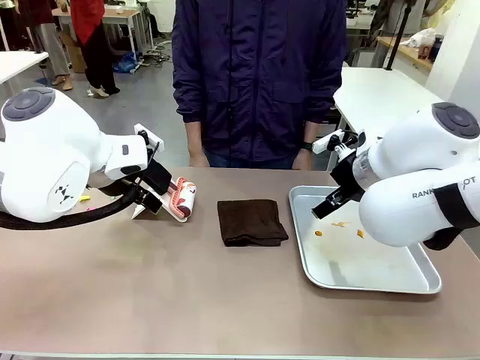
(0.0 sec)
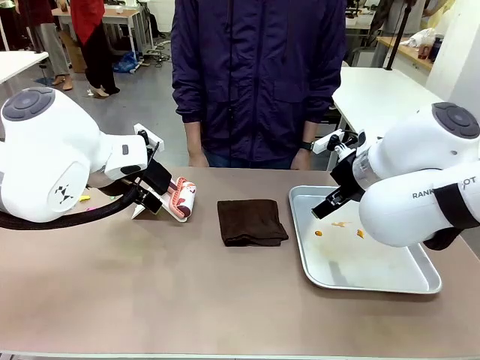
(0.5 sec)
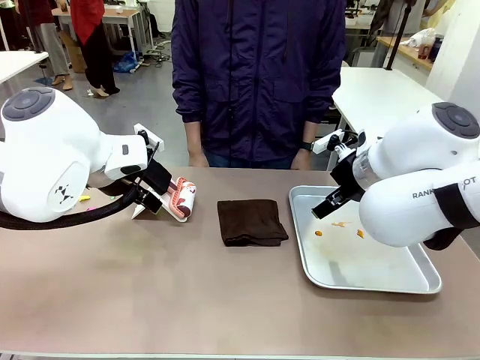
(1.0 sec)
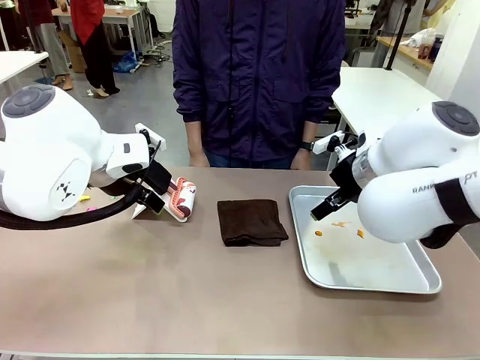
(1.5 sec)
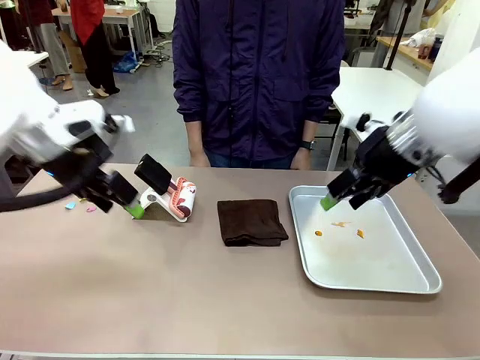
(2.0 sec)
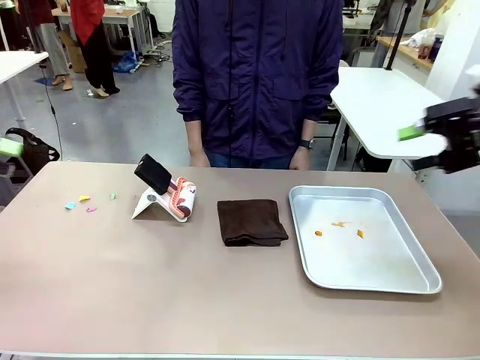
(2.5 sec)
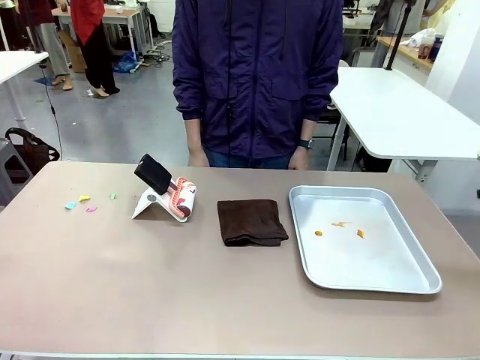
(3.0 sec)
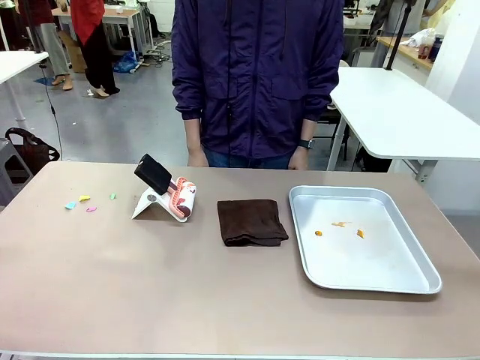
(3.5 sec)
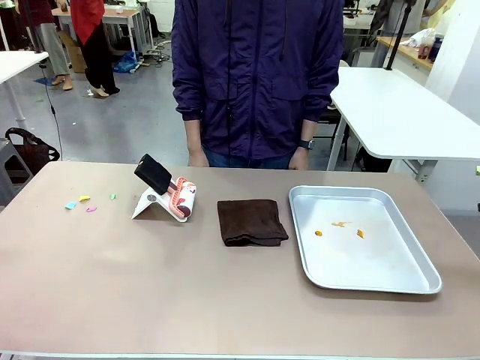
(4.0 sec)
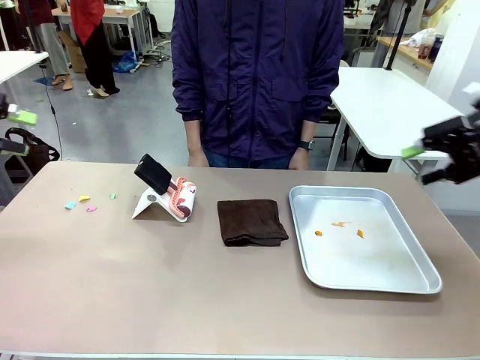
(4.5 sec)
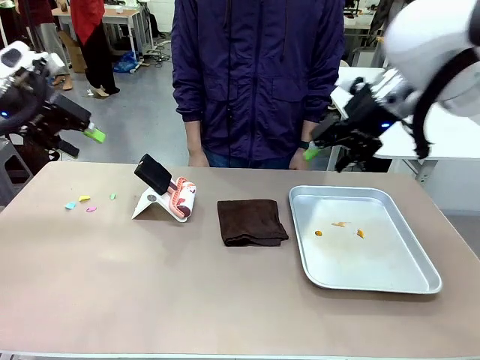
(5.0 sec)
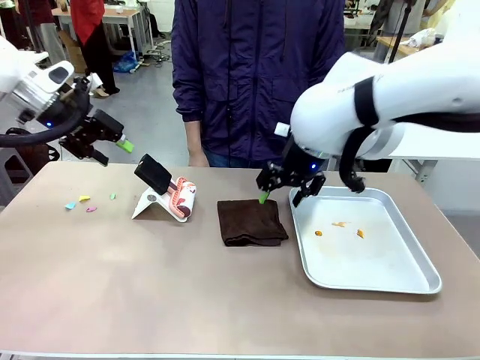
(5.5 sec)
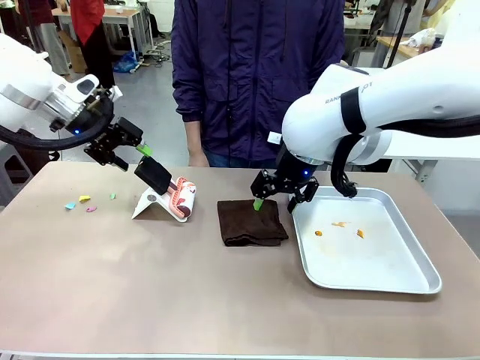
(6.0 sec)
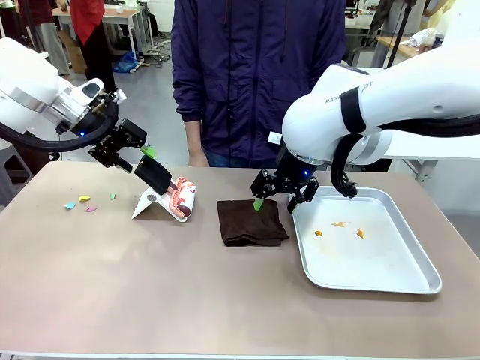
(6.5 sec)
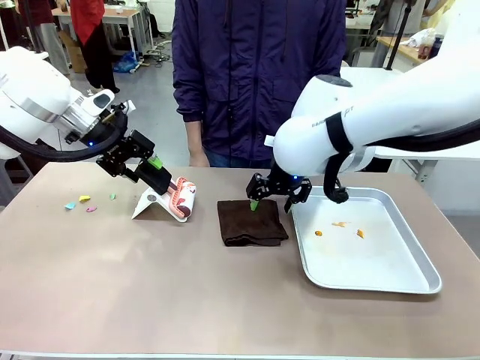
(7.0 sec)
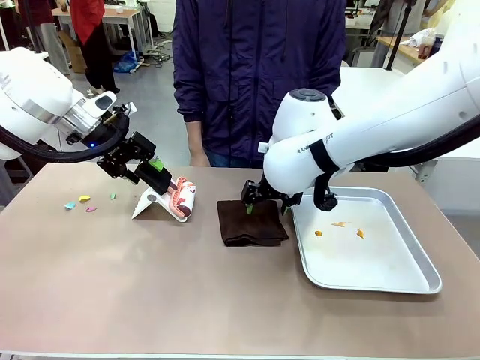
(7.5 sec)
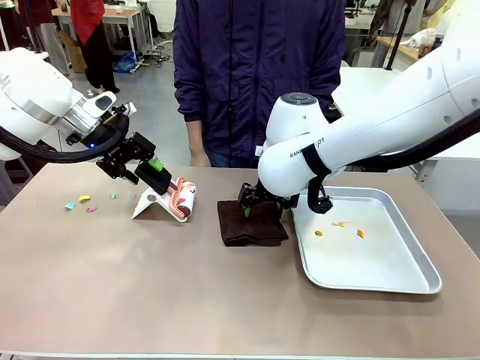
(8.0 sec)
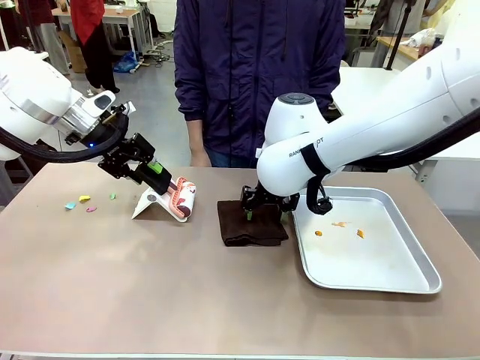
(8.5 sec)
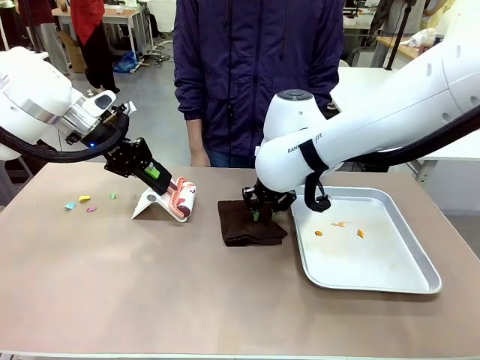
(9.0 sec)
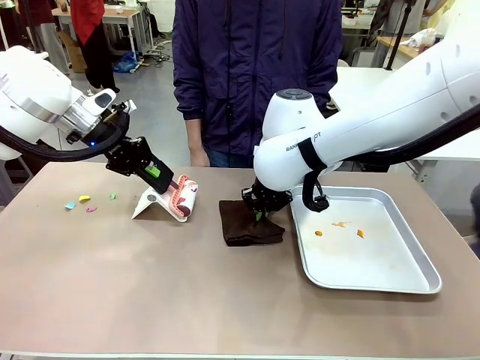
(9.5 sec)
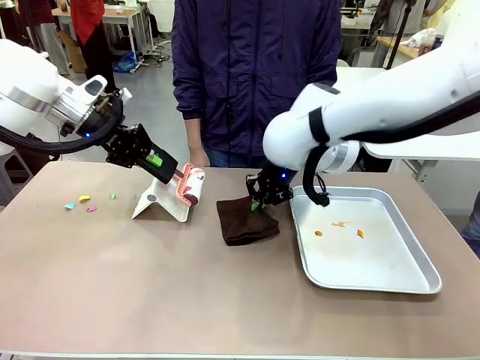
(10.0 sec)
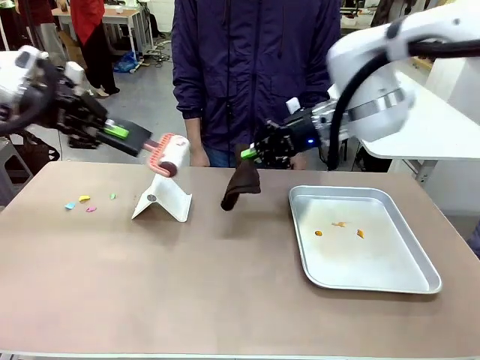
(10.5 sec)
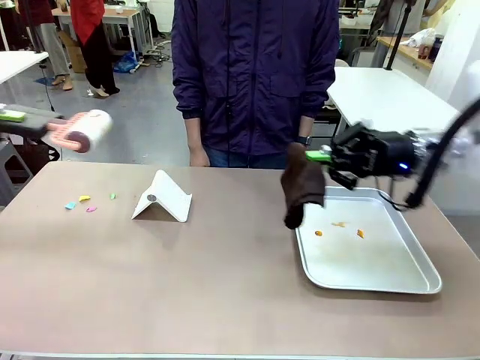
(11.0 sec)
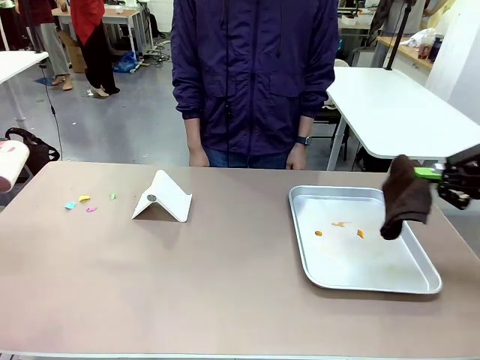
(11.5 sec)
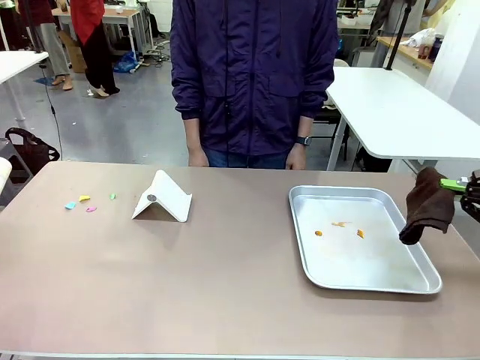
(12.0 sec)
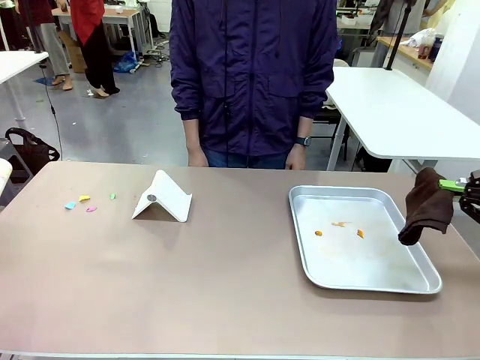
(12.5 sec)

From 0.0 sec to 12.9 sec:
Task: Clean the surface of the table.
Robot: Hold the Lint Roller with your left hand and the towel with your right hand.

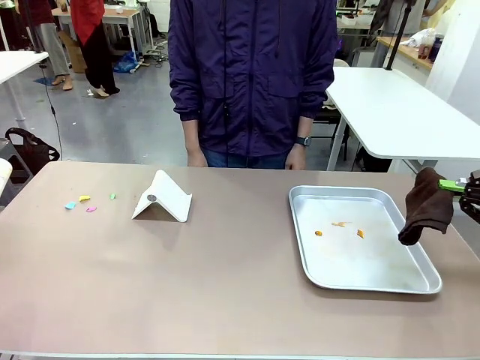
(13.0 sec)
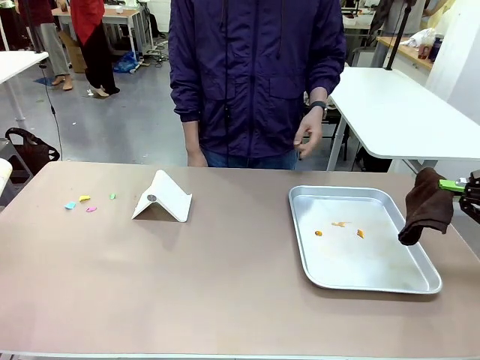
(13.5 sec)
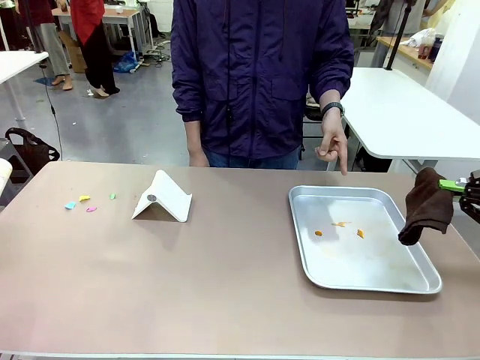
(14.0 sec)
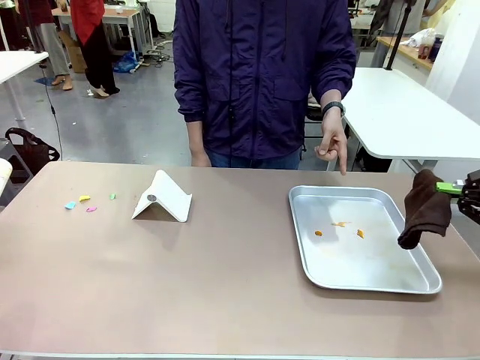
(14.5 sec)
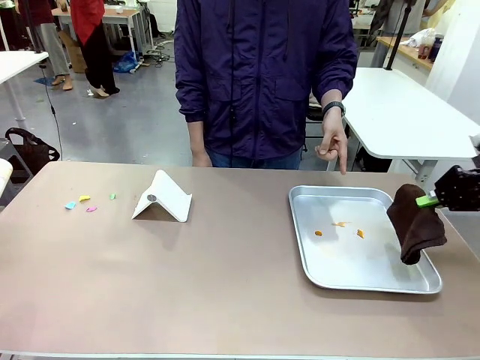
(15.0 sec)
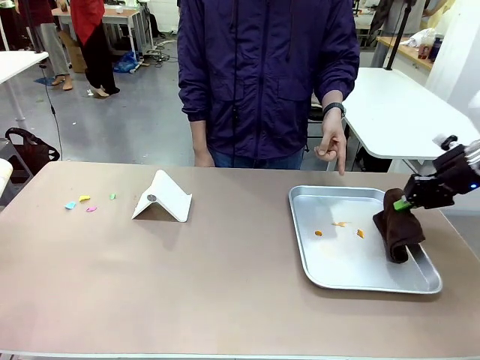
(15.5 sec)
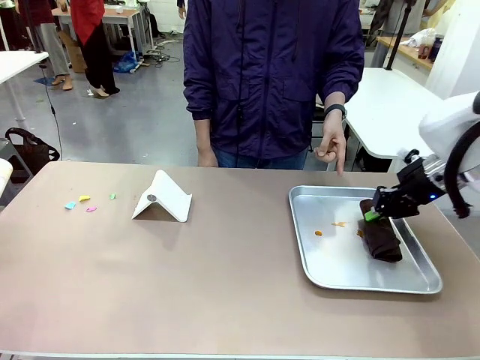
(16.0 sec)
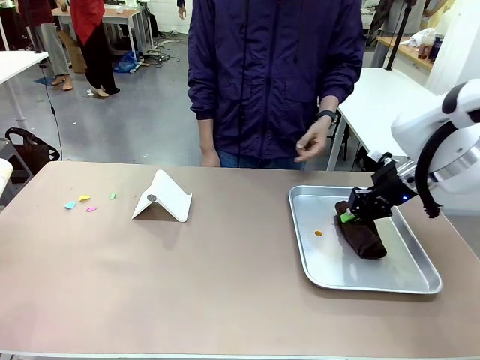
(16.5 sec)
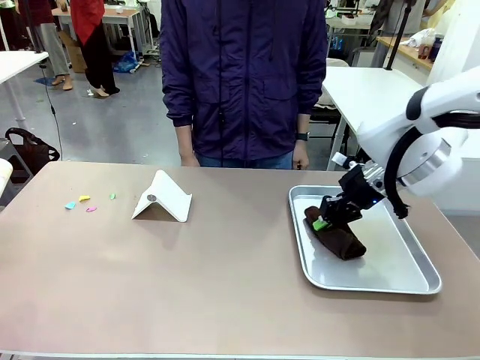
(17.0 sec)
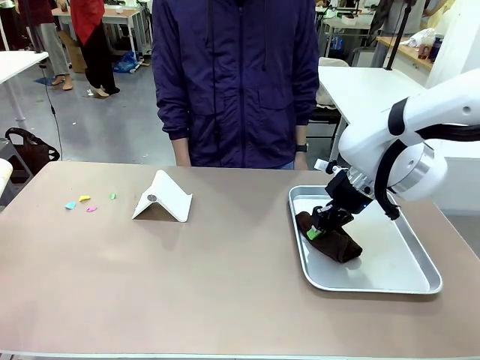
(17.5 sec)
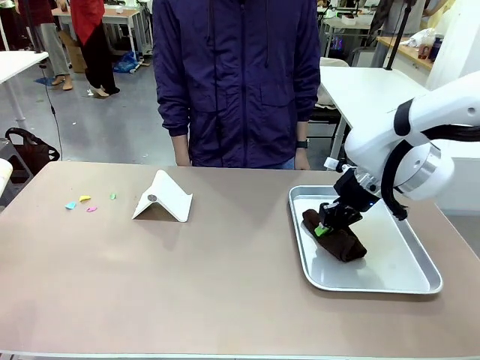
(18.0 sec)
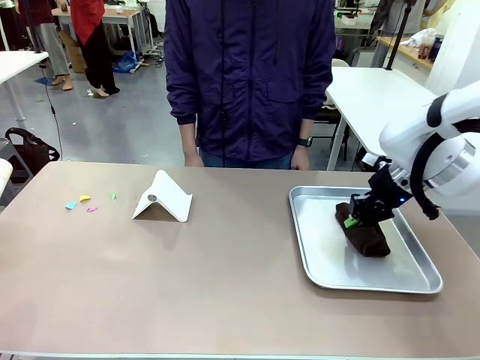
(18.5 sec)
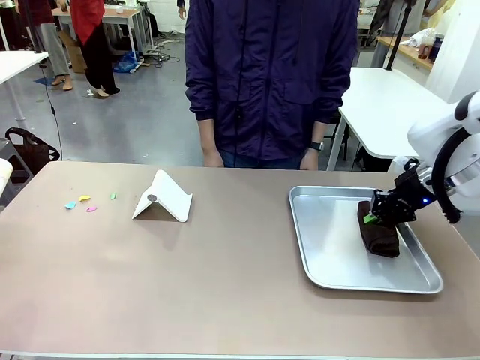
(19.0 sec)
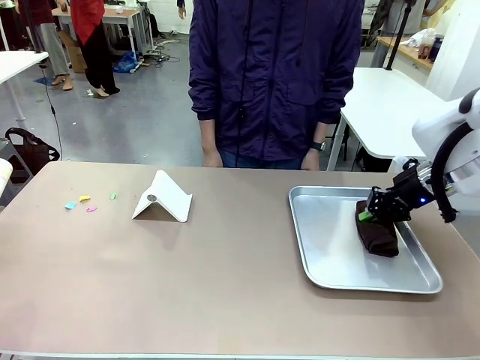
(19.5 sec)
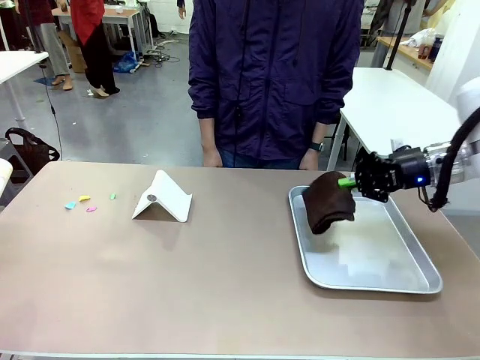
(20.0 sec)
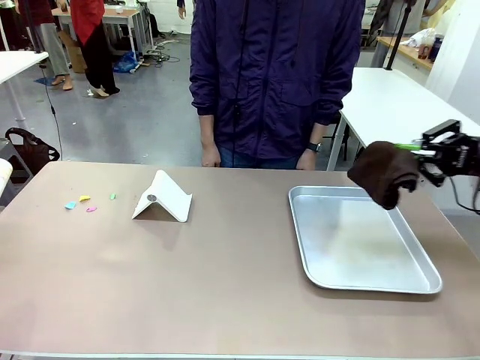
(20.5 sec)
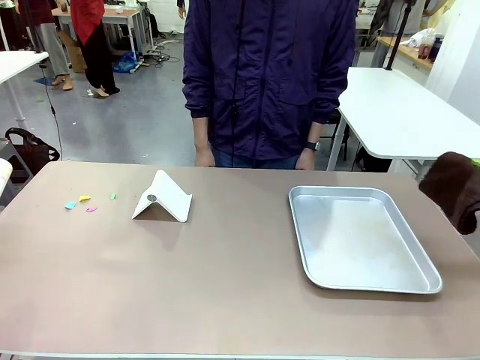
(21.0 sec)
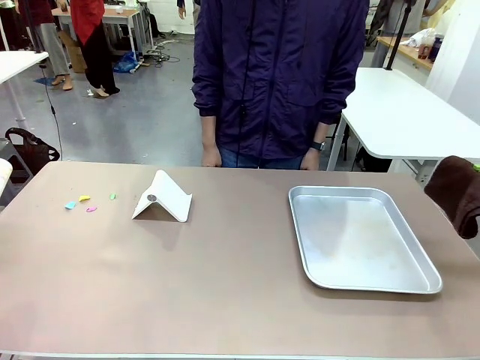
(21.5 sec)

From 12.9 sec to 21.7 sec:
Robot: If a person points to the right, clean the right side of the table with your right hand, and if they point to the left, clean the left side with your left hand.

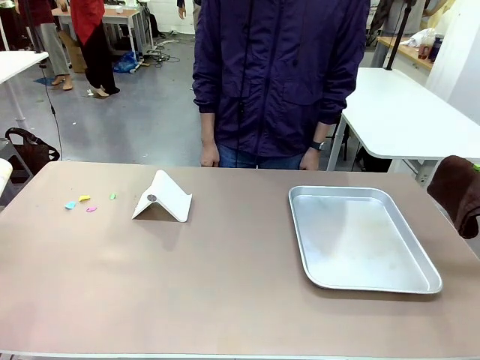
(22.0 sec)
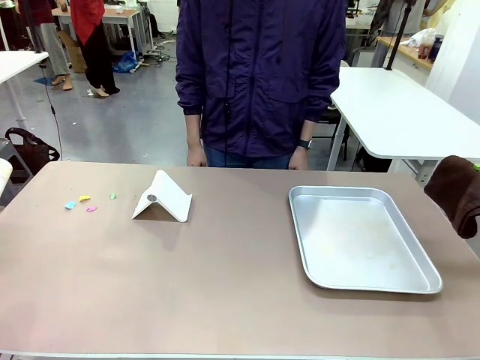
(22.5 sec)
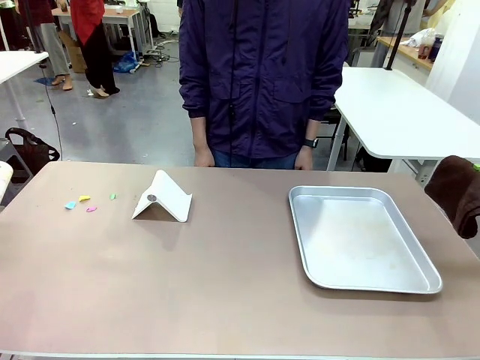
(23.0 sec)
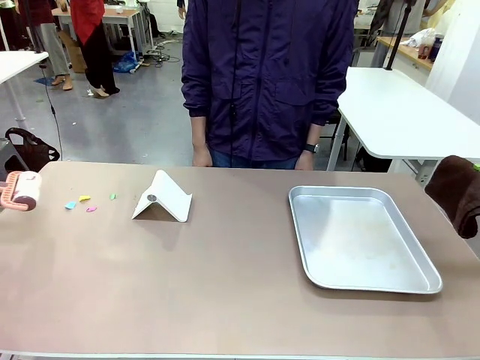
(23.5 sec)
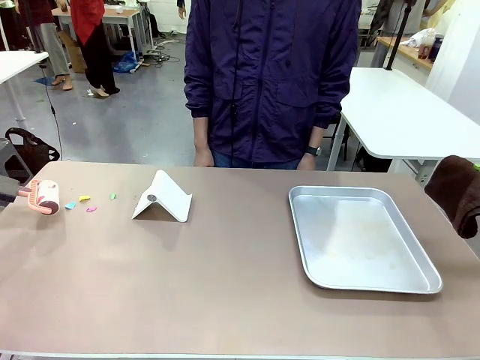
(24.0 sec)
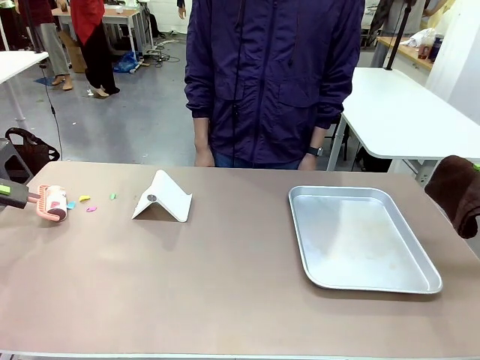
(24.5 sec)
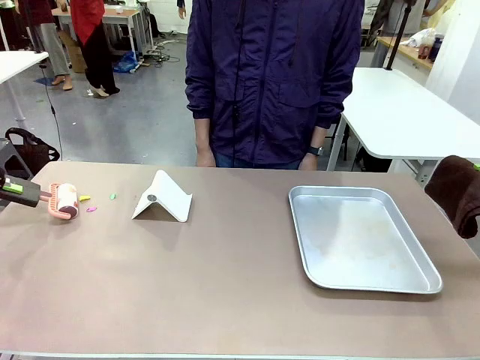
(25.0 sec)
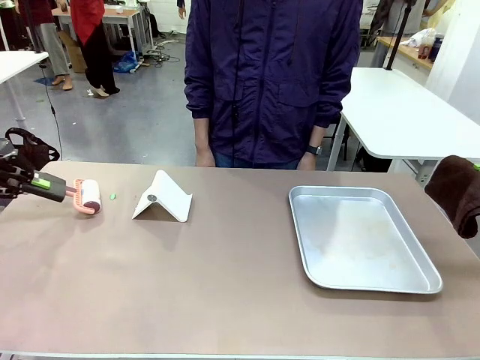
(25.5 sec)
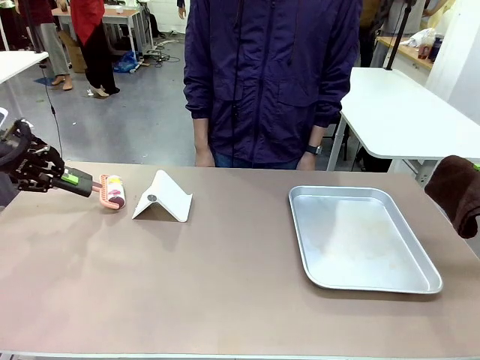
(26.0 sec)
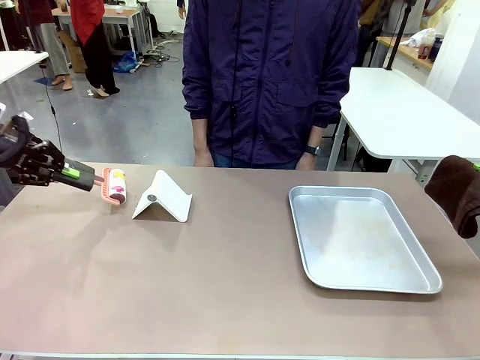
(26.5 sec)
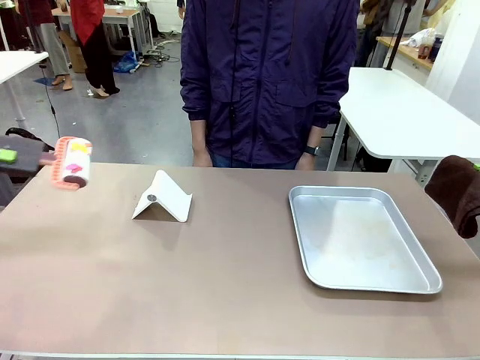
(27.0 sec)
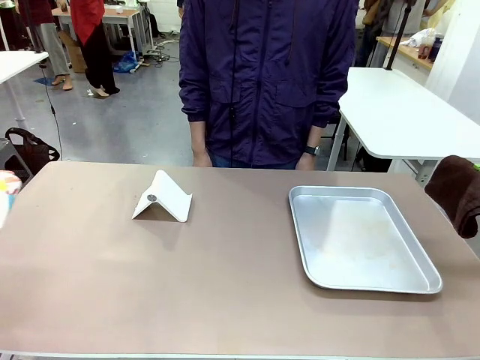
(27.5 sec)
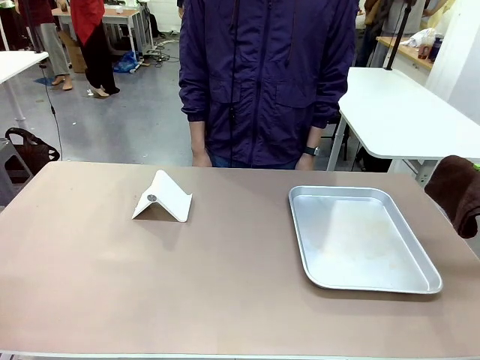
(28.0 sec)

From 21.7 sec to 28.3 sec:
Robot: Clean the area not pointed to by the person.
